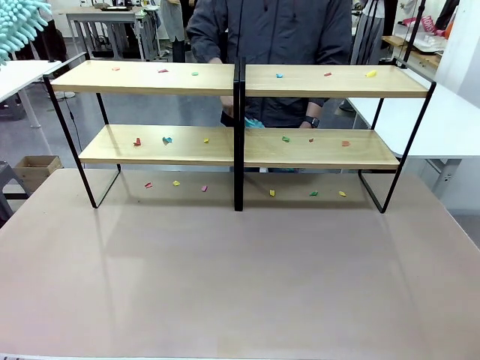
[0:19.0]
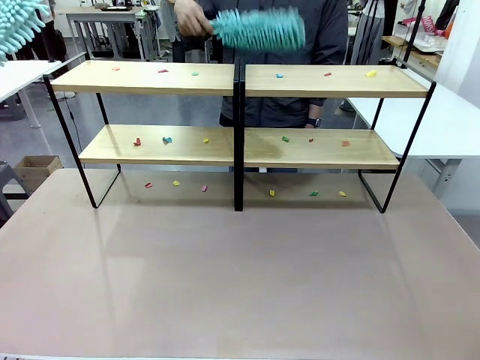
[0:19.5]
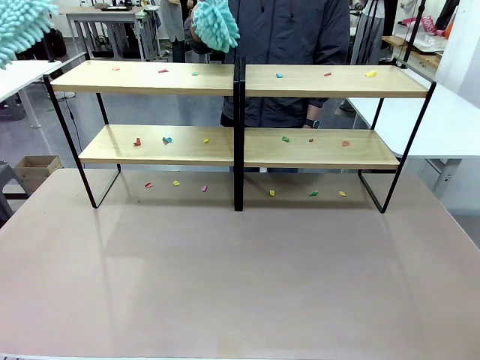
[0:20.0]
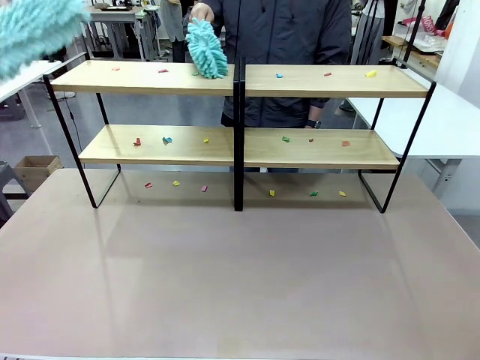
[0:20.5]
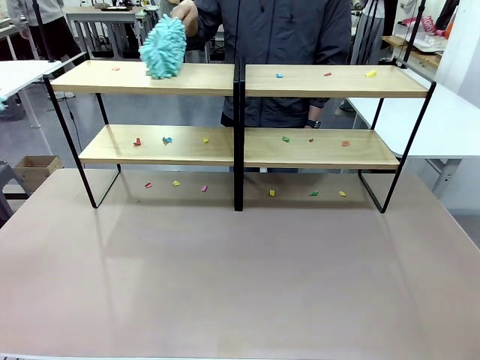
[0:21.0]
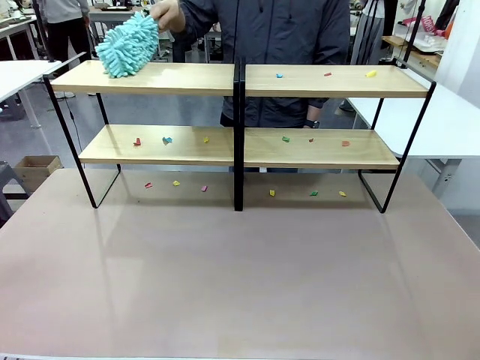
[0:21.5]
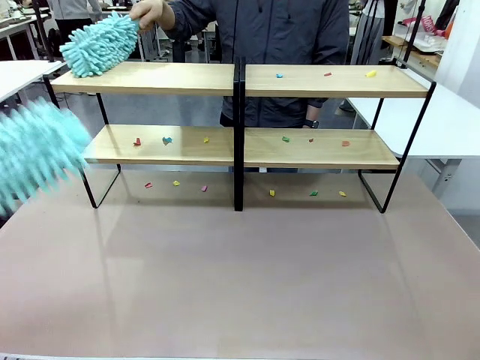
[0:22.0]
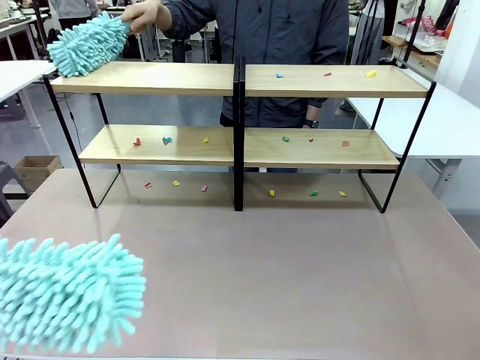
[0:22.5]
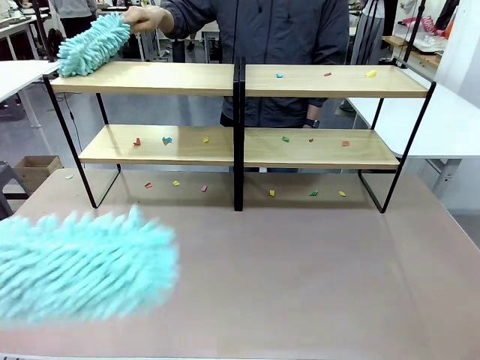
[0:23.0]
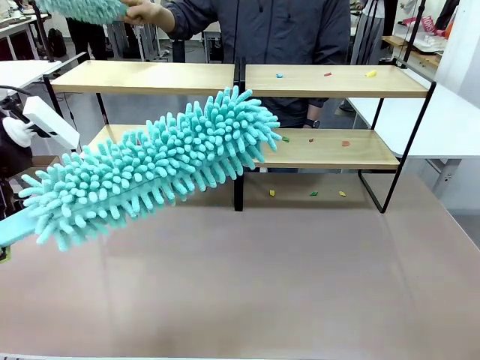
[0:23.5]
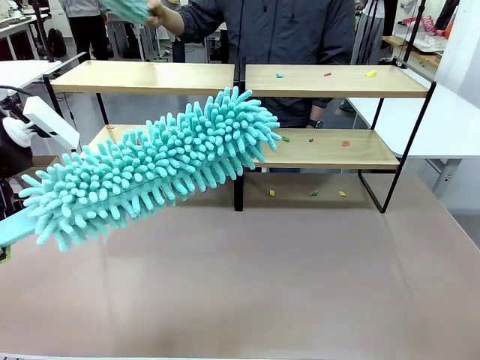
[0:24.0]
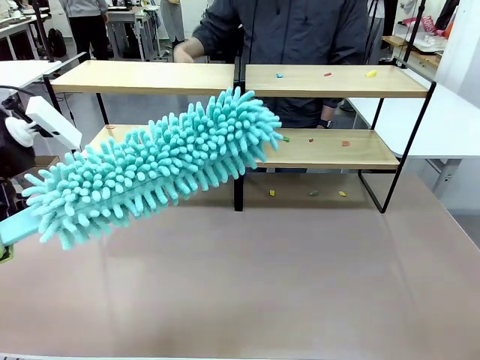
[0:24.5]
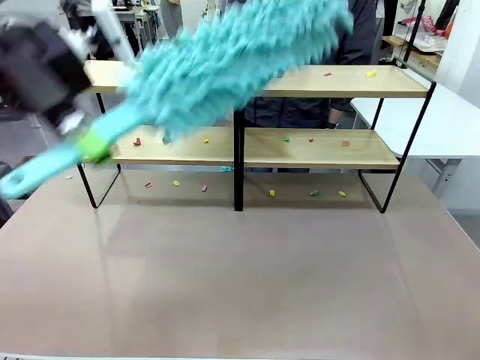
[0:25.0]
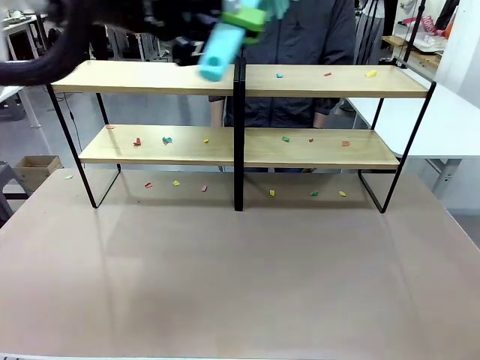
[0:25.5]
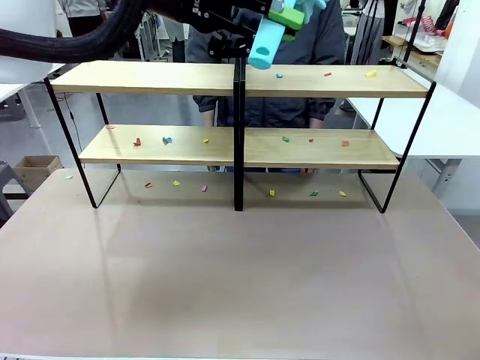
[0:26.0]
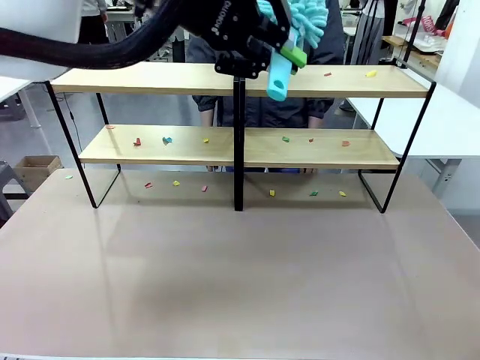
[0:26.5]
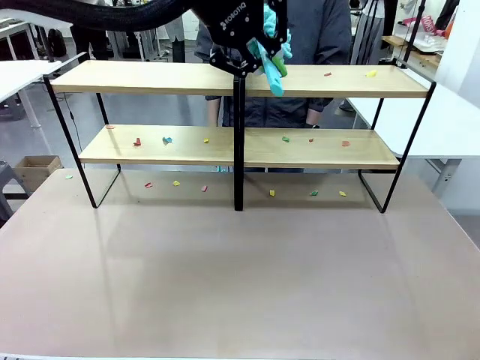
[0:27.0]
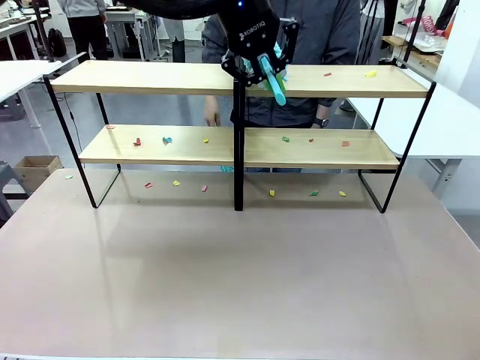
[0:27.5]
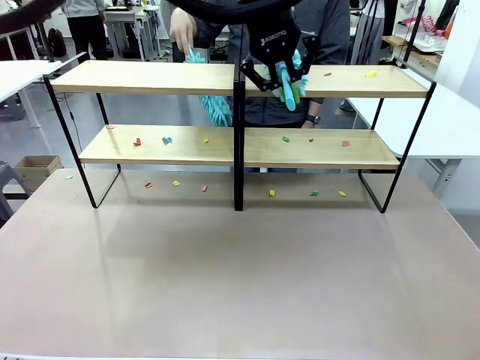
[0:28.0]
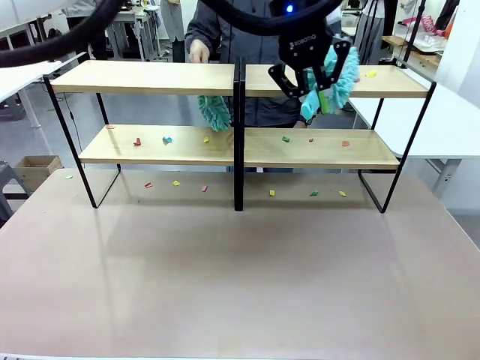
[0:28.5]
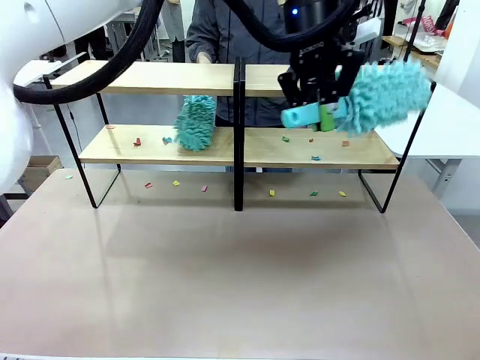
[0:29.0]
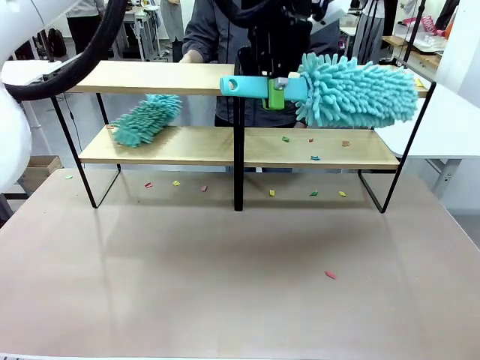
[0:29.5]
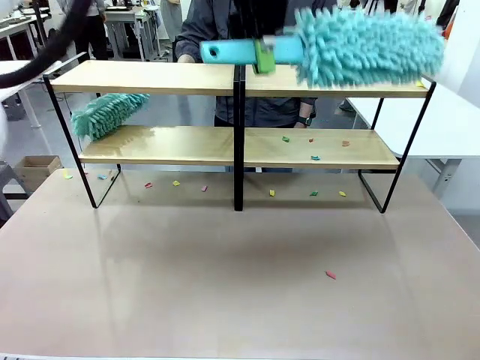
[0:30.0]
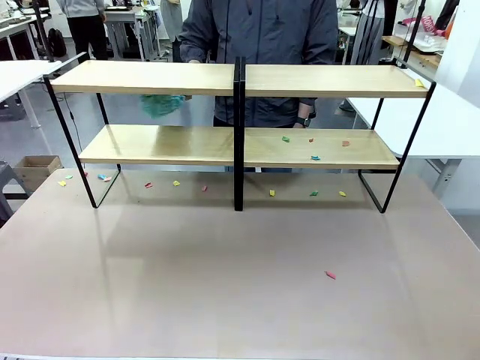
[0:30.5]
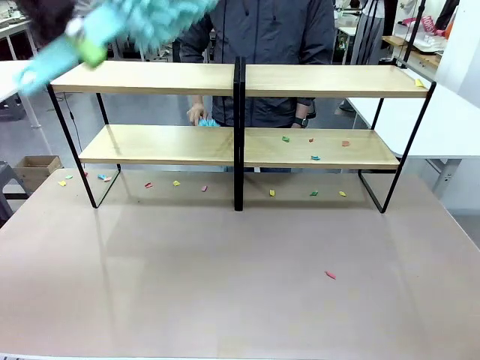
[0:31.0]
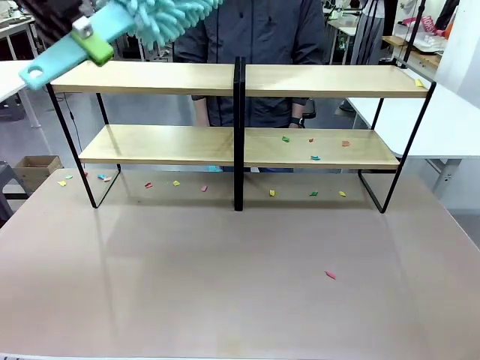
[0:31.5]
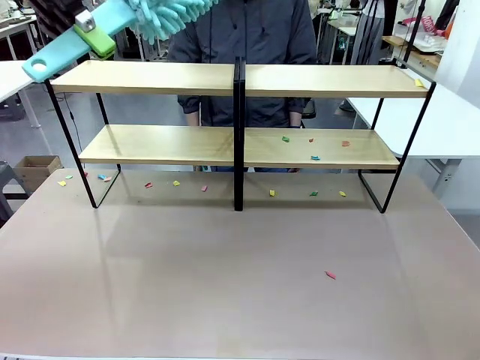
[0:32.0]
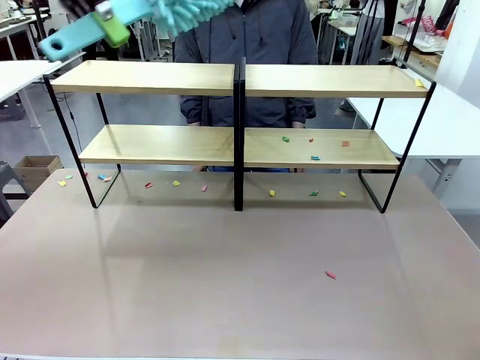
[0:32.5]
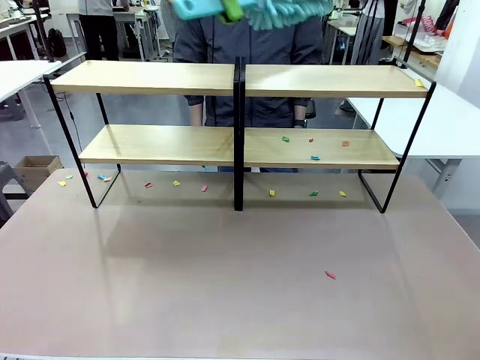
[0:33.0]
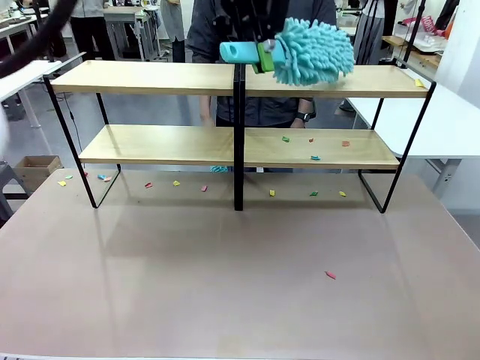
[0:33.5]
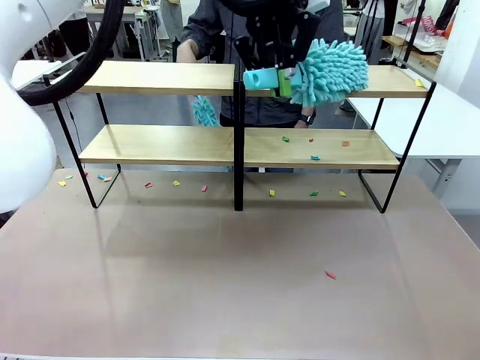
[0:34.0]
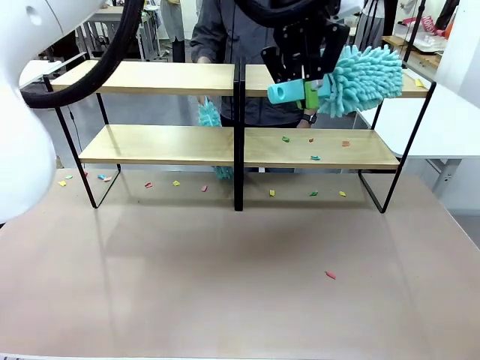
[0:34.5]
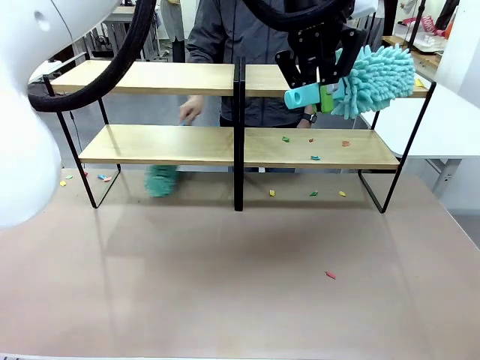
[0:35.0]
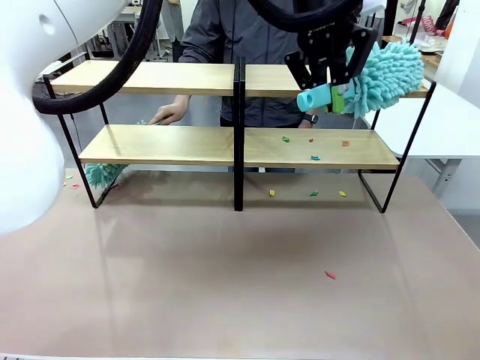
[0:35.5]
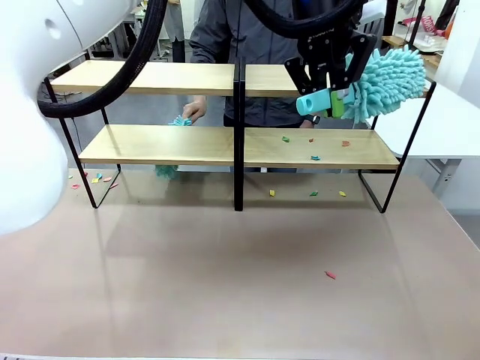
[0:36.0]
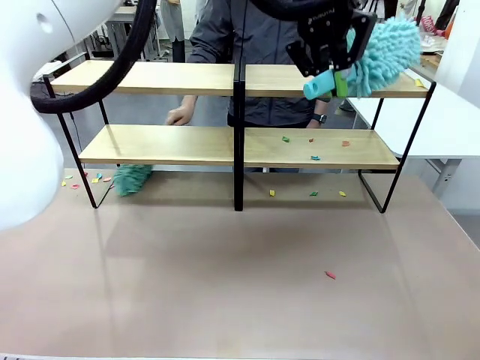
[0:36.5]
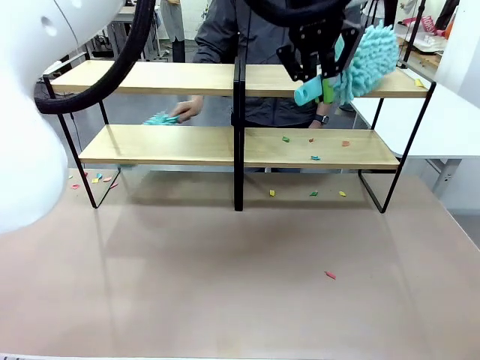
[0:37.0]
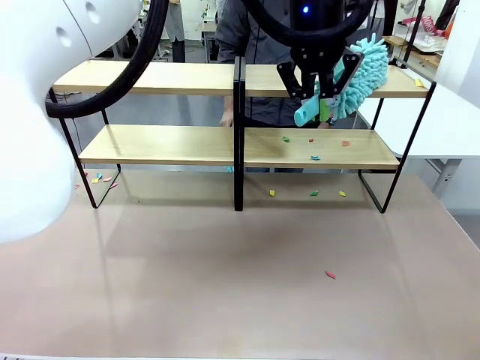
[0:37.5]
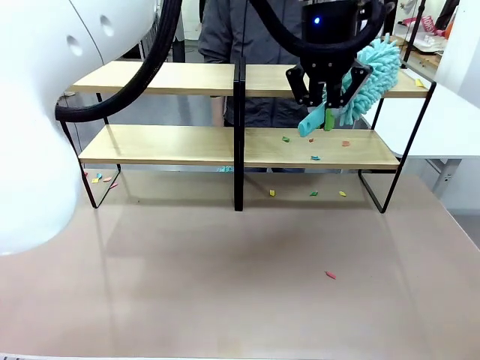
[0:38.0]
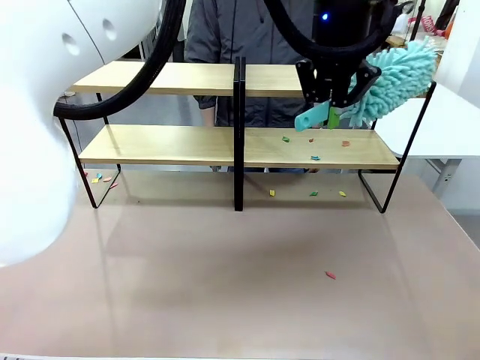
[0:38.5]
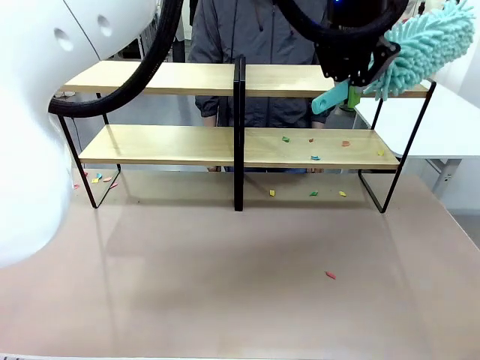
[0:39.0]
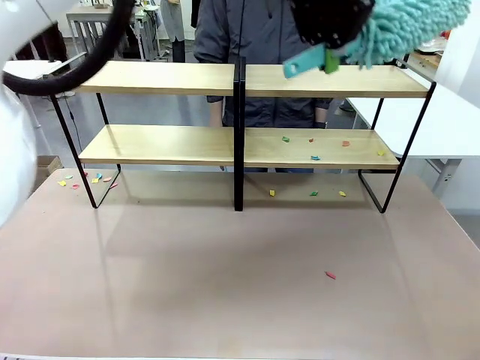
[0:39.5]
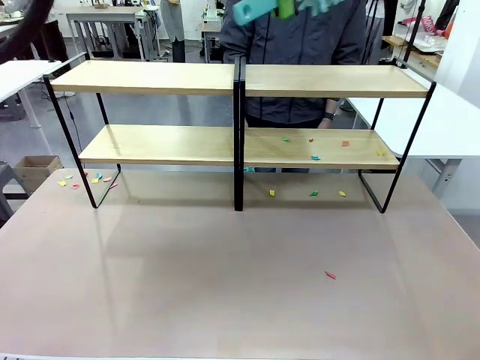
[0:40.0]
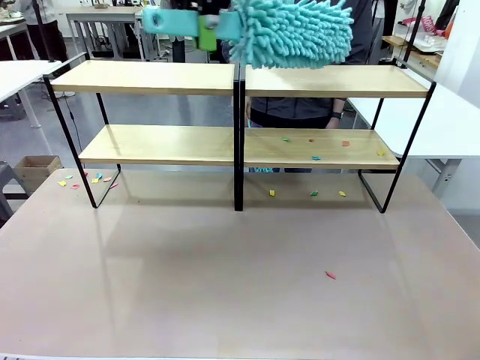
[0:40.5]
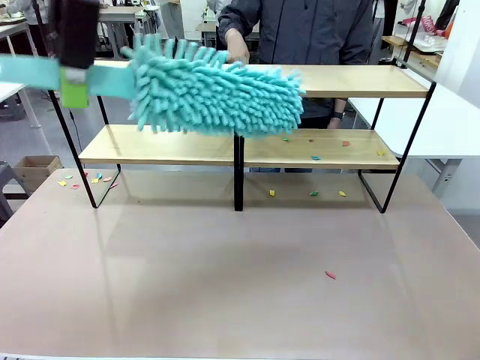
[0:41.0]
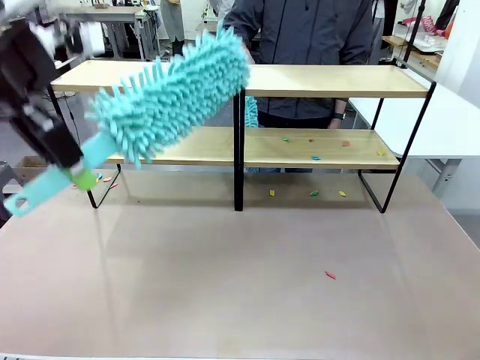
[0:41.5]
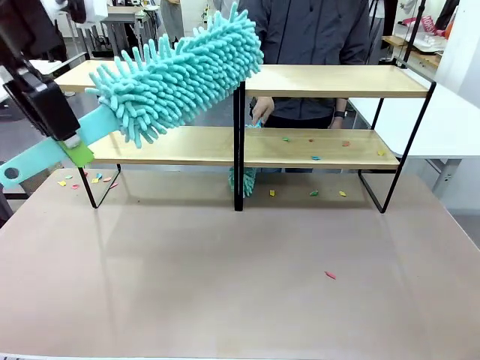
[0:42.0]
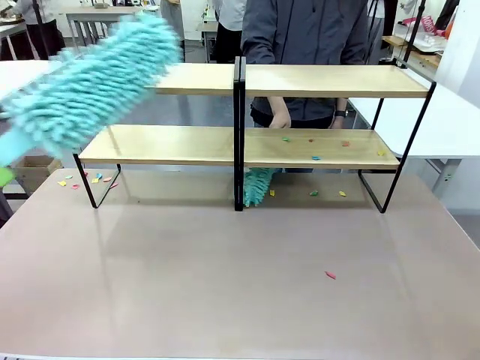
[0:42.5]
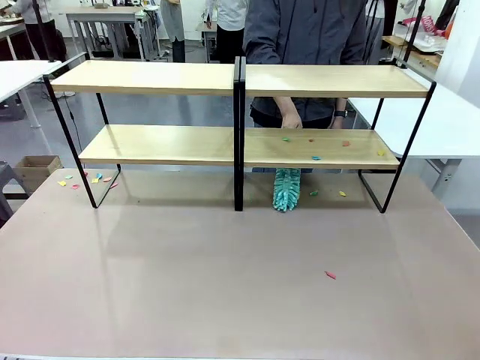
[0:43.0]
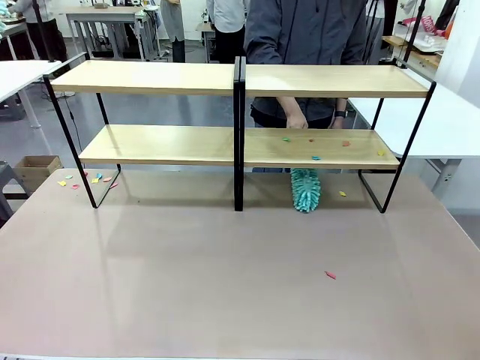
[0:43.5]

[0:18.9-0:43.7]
Task: Clean the shelves.
Robot: Clean a randomly selected level of the Shelf with the Duster.
Person: Clean a randomly selected level of the Shelf with the Duster.
